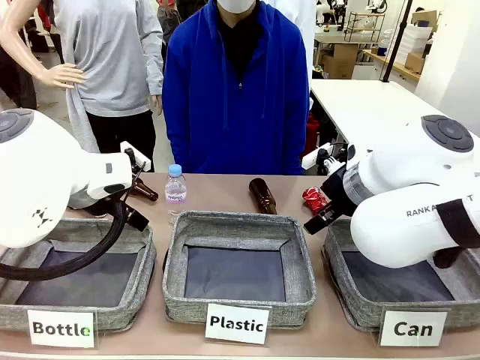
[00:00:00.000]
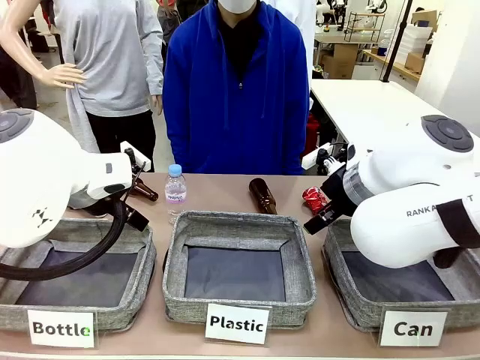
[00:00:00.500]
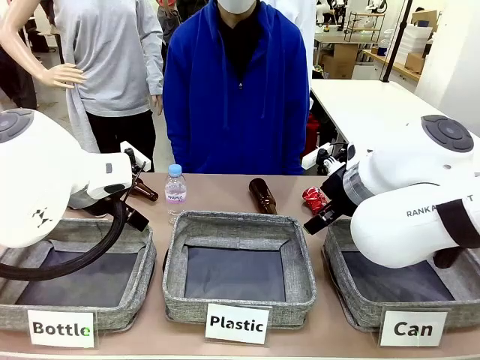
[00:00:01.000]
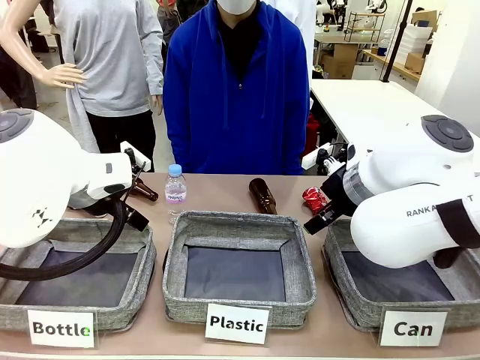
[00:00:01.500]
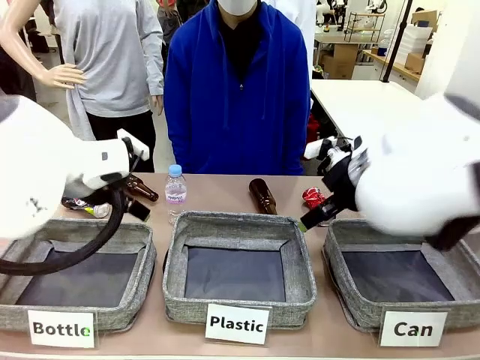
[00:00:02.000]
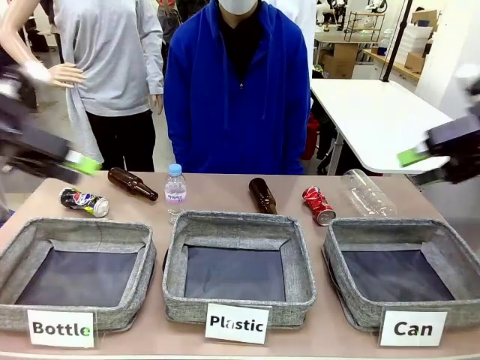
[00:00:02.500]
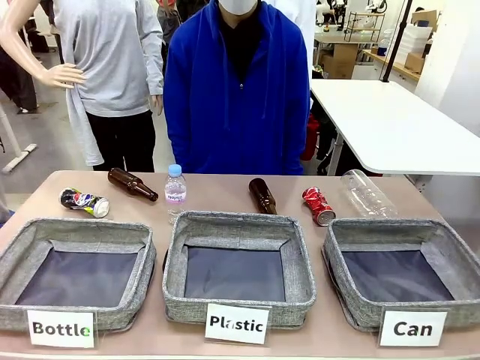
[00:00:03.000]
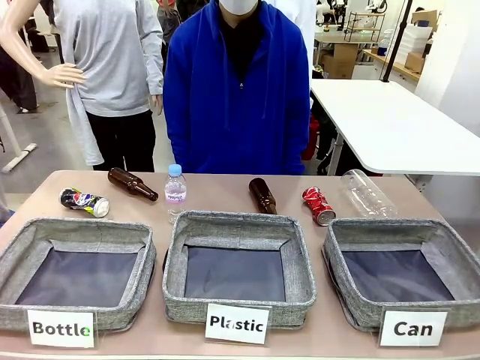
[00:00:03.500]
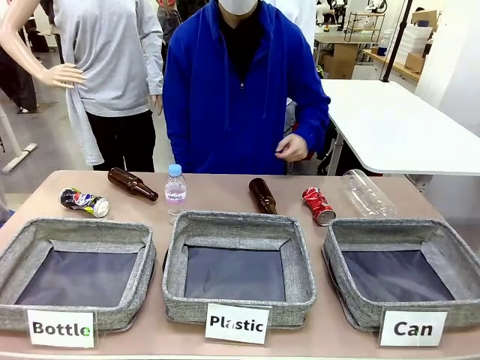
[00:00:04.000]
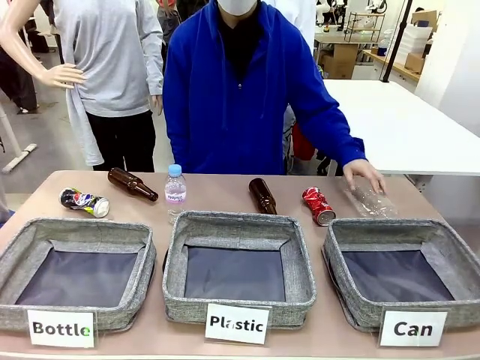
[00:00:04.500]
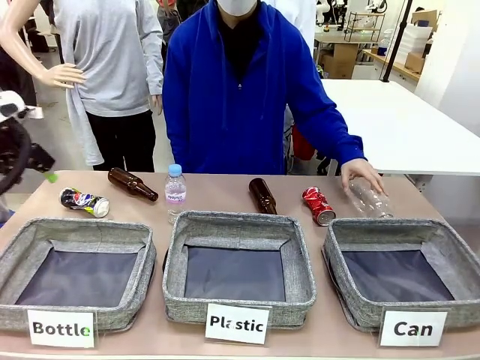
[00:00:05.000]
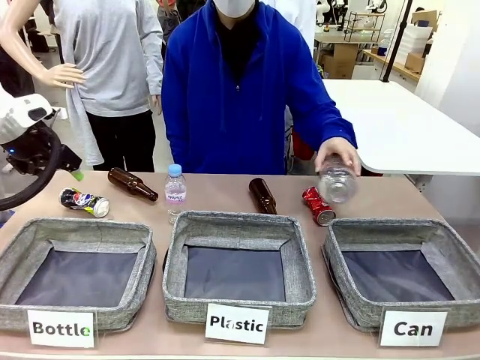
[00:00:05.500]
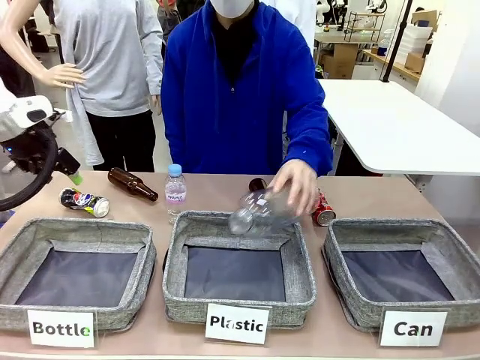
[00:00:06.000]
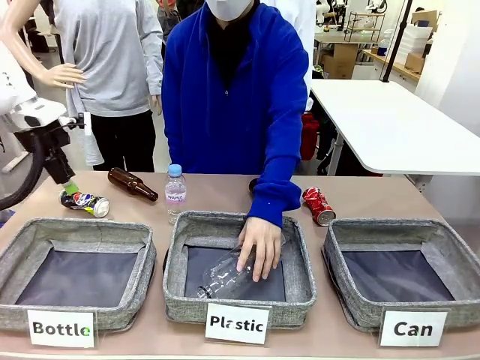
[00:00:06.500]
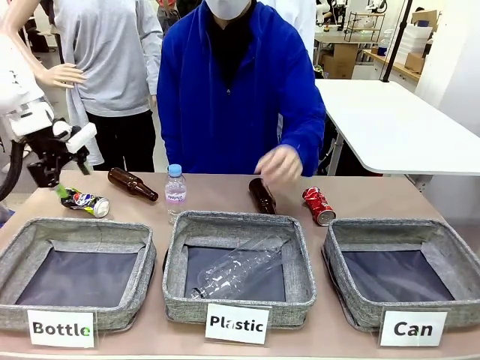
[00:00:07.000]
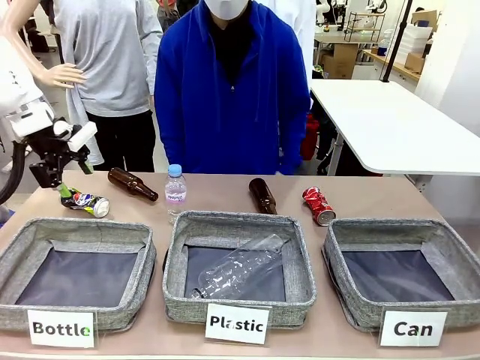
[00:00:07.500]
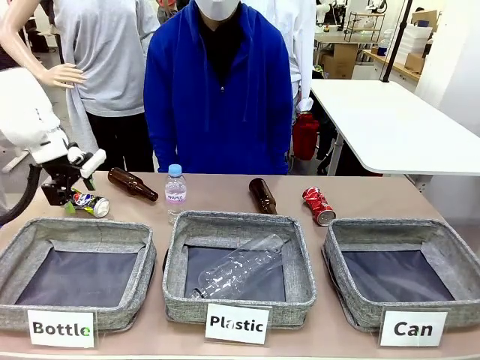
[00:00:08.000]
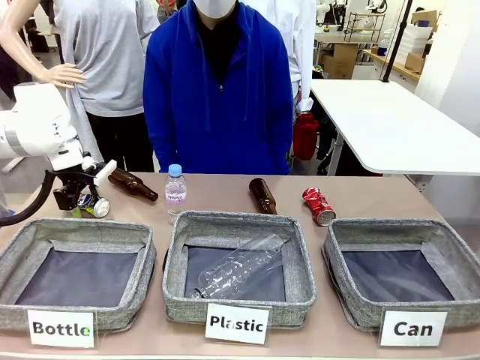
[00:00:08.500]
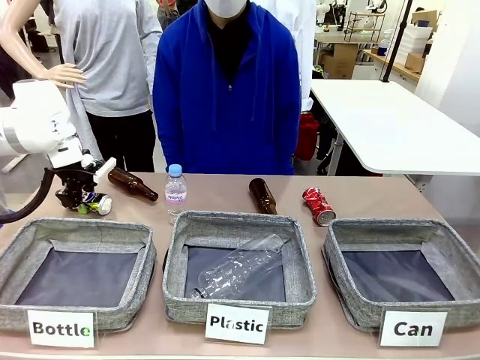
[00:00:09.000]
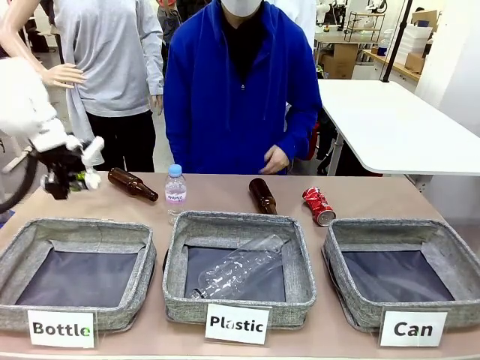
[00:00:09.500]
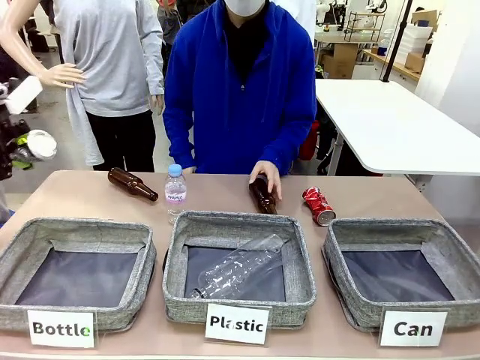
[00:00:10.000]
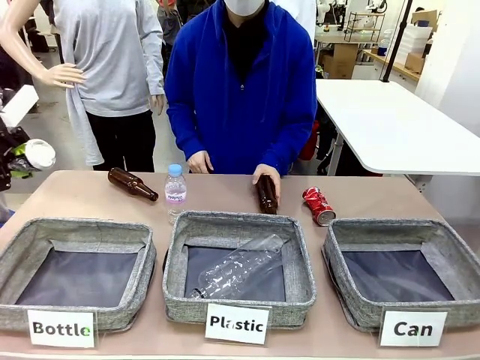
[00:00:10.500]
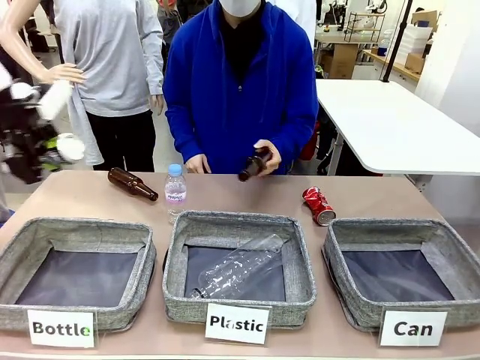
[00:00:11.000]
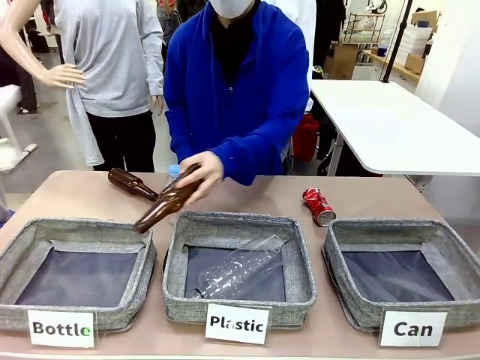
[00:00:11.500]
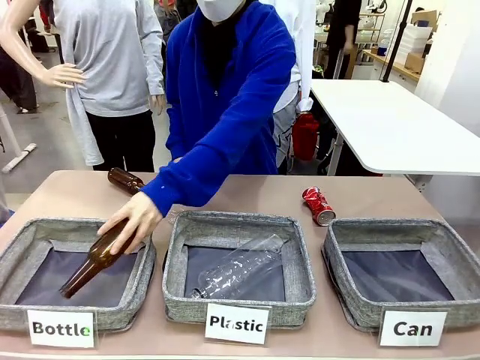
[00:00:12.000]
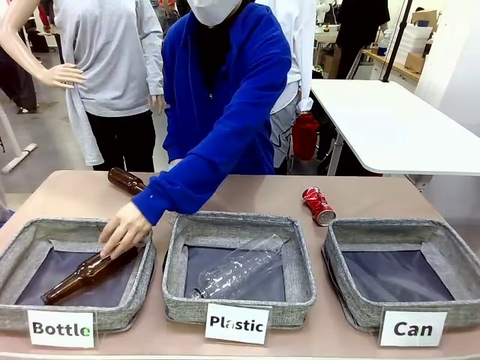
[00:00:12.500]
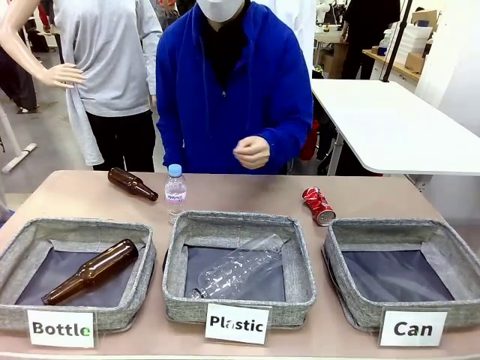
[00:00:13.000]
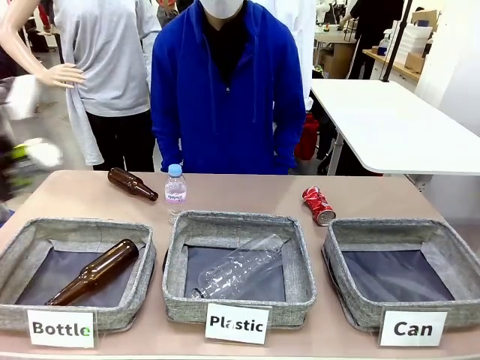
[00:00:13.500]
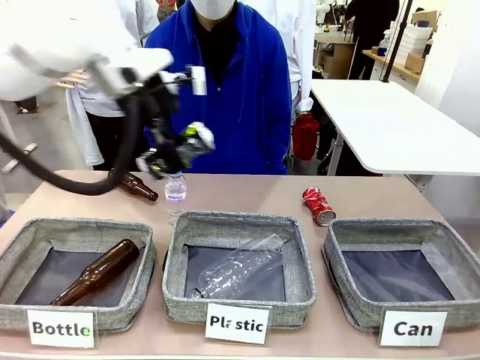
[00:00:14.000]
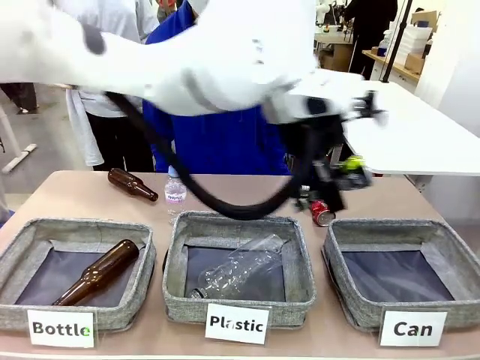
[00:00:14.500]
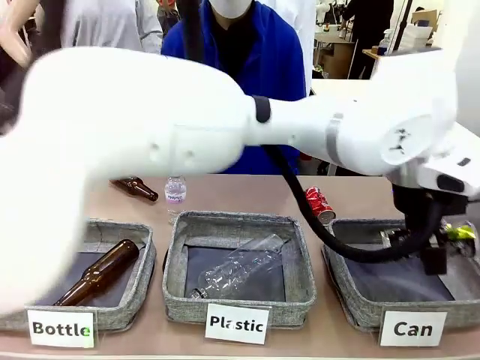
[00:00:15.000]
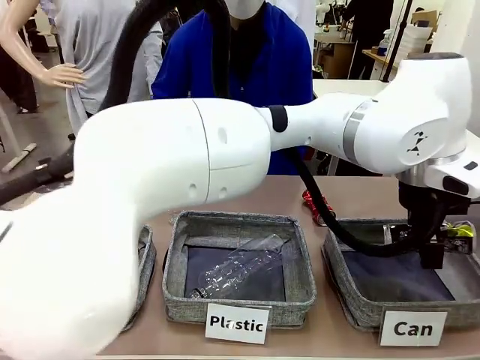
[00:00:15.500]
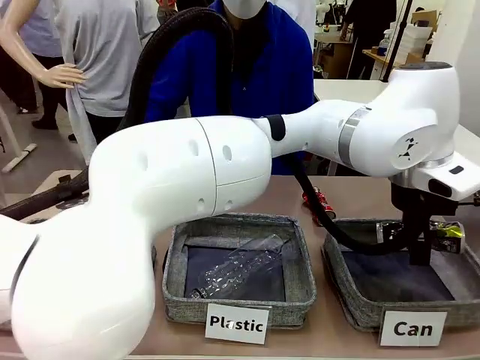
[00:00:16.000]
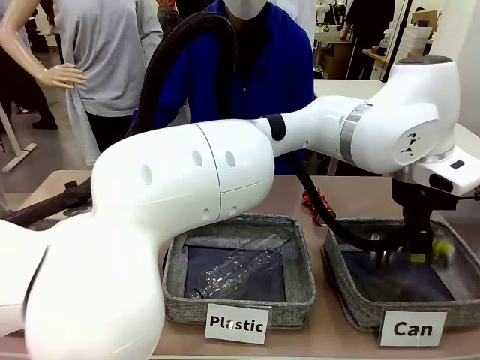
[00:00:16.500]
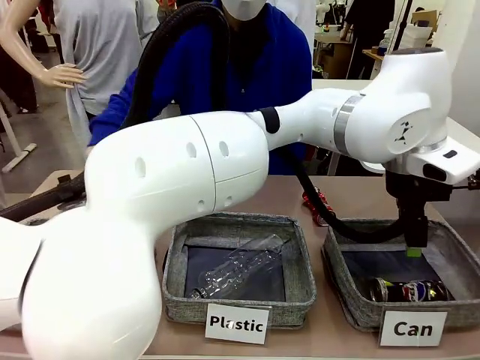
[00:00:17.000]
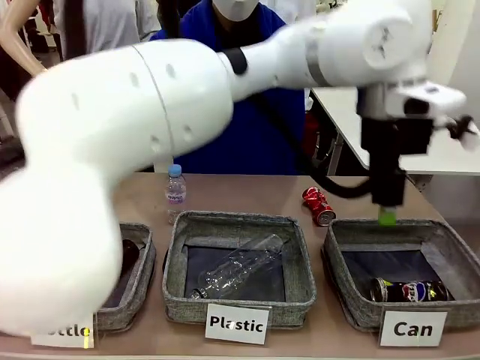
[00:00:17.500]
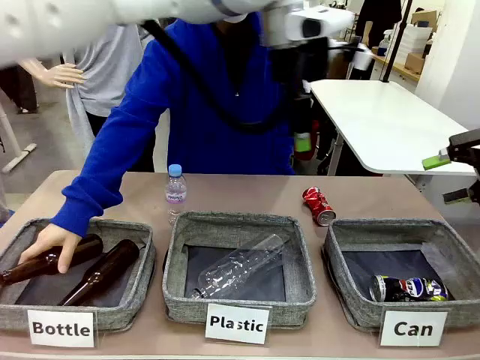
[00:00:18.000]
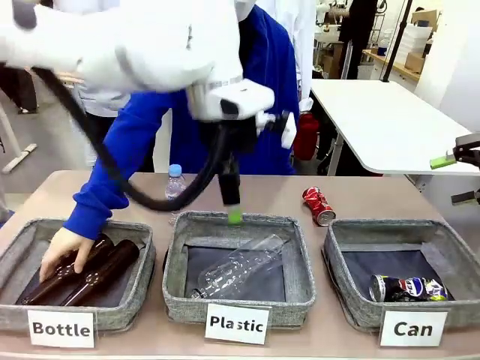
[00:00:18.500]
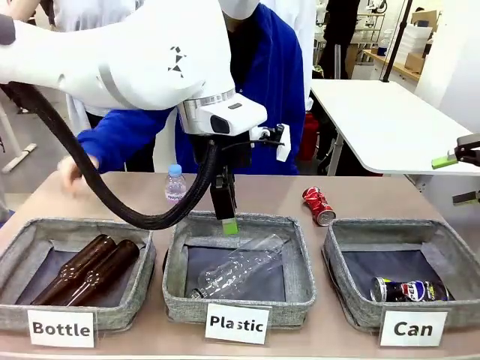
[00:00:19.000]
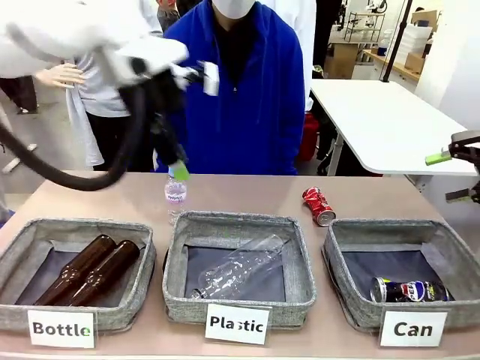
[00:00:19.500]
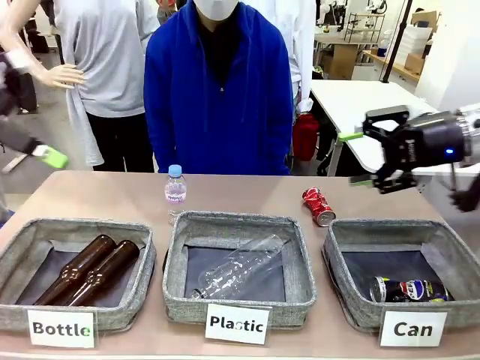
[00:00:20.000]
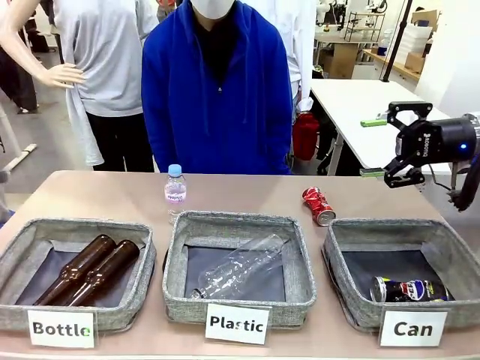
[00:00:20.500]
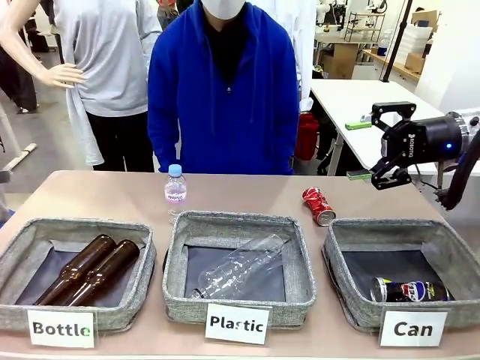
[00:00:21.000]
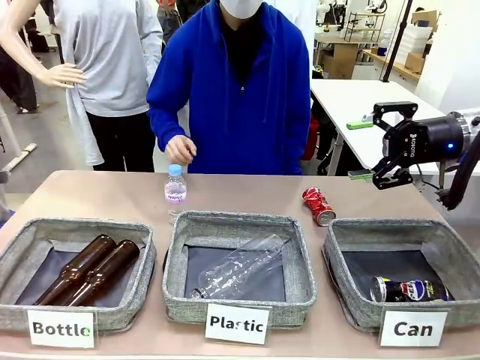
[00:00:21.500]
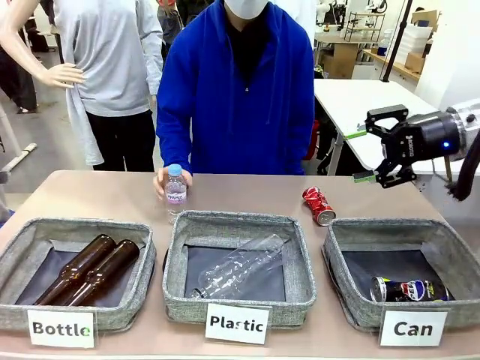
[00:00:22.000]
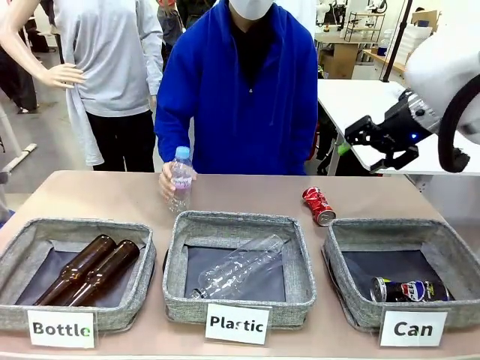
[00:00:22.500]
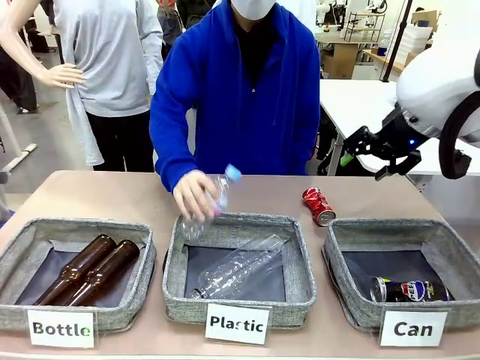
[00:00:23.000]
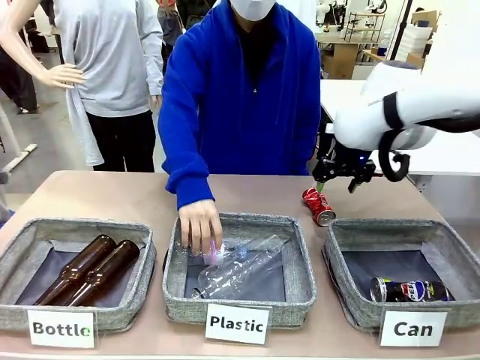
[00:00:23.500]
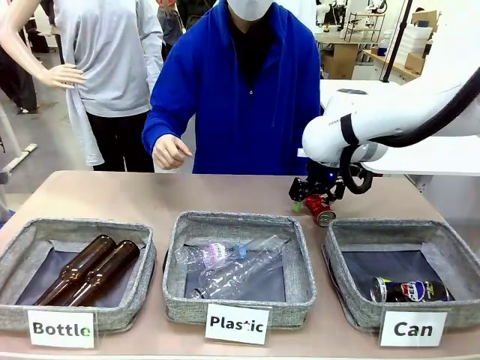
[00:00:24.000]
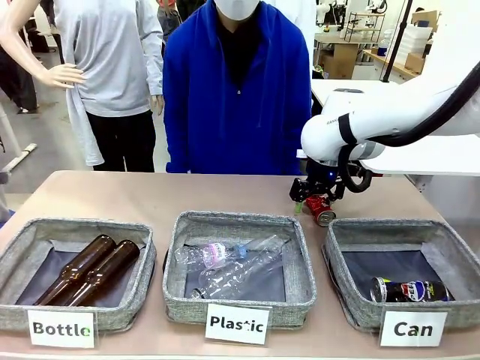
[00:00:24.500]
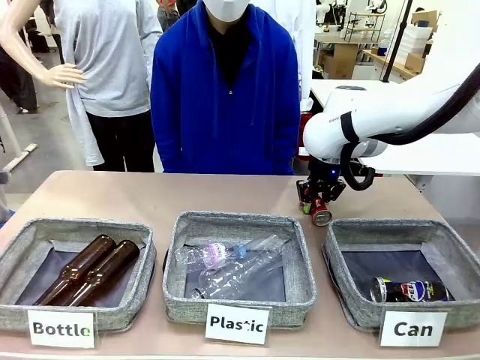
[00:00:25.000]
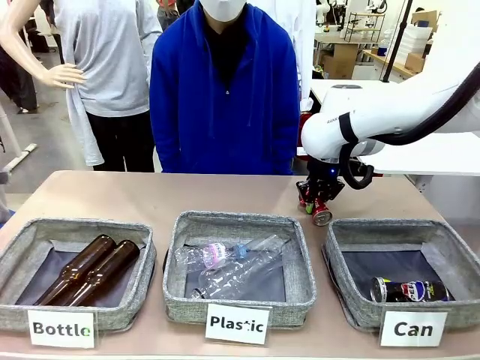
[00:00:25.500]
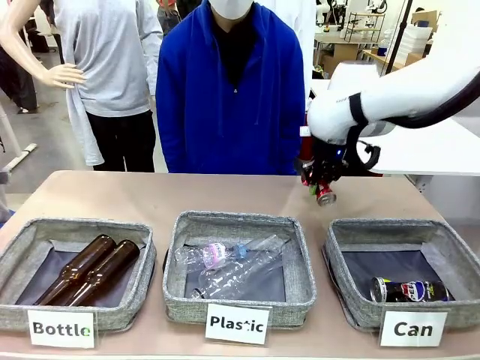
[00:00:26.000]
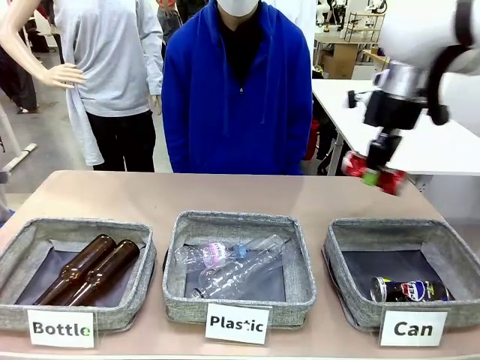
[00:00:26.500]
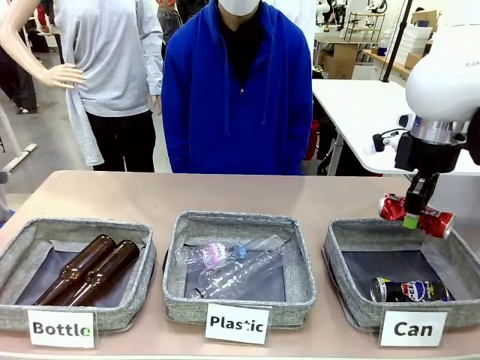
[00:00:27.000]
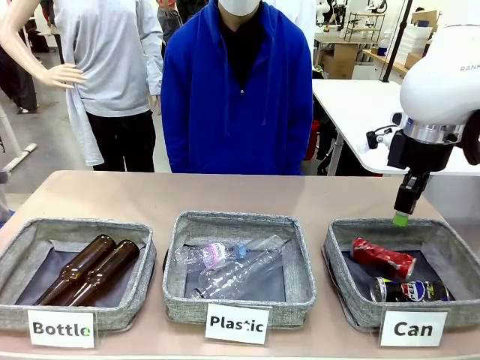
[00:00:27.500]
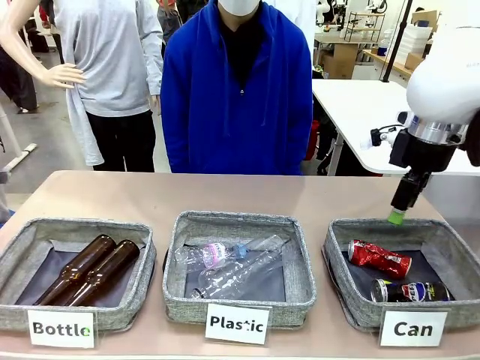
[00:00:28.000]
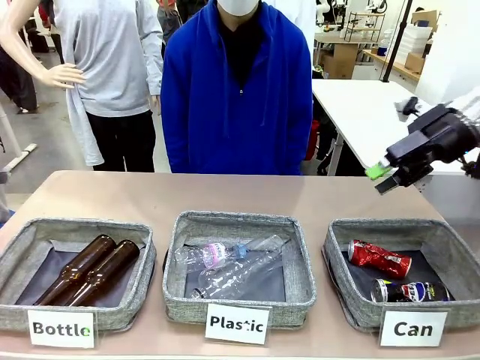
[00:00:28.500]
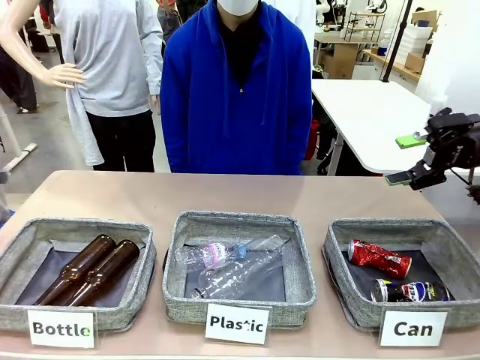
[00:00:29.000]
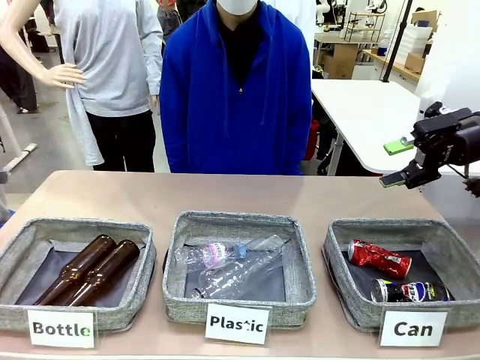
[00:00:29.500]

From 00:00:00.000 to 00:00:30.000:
Task: Sort the can waste into the basket.
Robot: Pick up the can waste from the table and place it in the right Fabric basket.
Person: The human picks up one piece of trash that is not a can and places the trash into the appropriate organizing basket.
